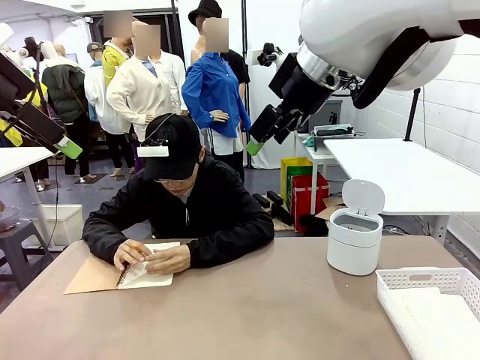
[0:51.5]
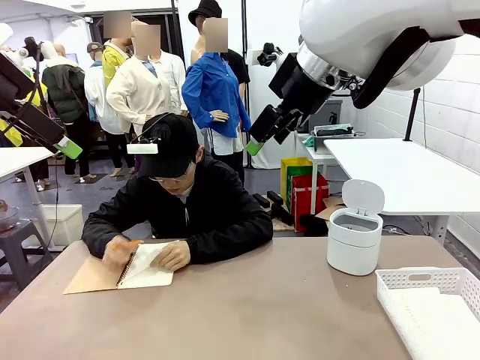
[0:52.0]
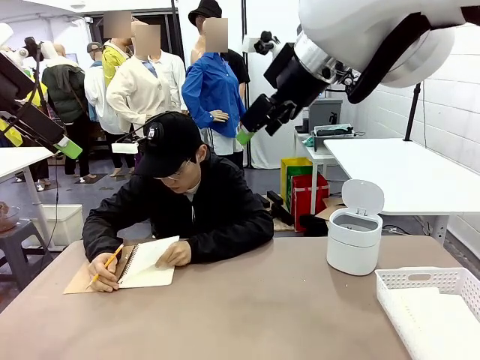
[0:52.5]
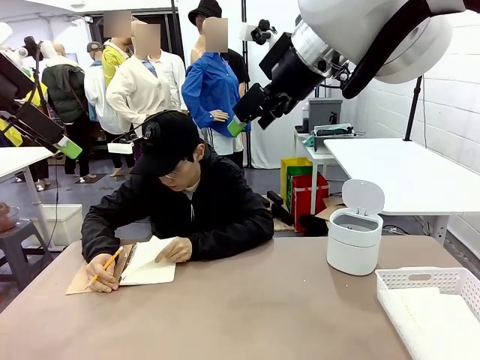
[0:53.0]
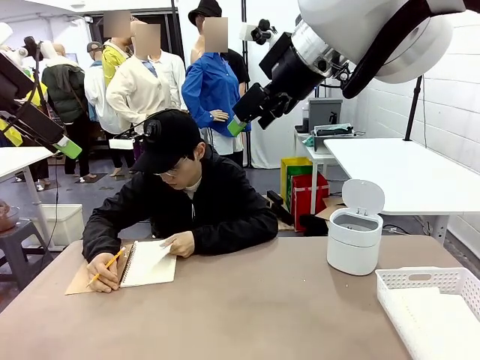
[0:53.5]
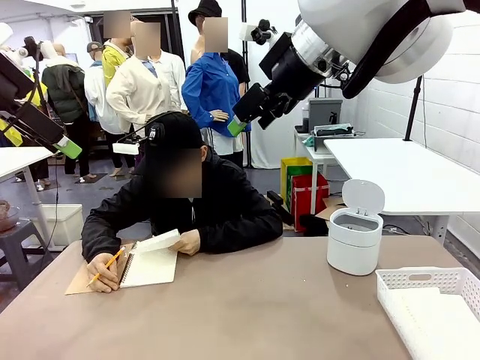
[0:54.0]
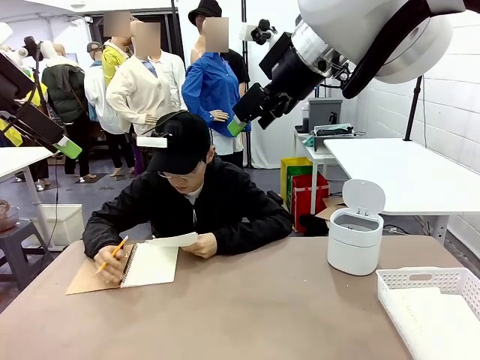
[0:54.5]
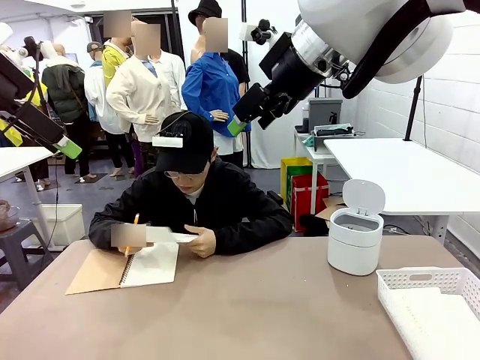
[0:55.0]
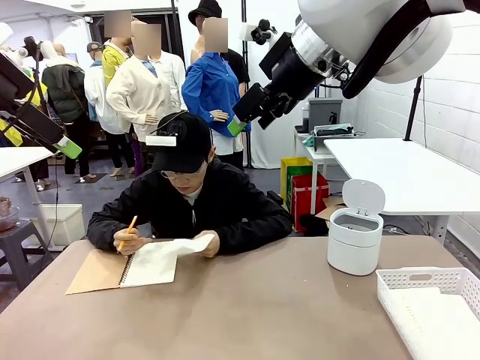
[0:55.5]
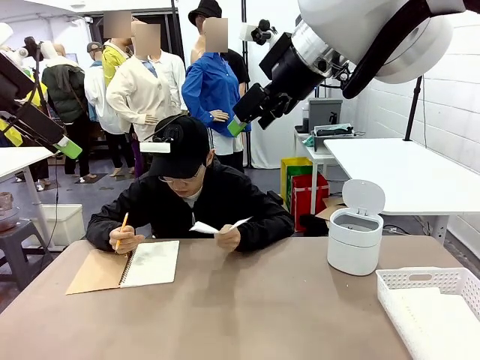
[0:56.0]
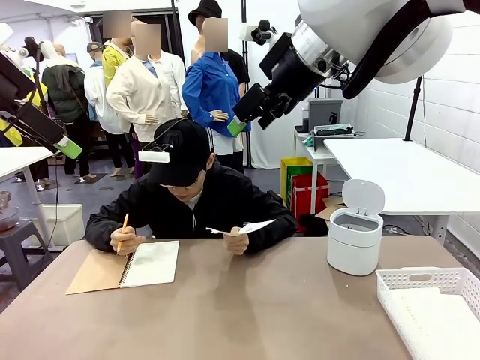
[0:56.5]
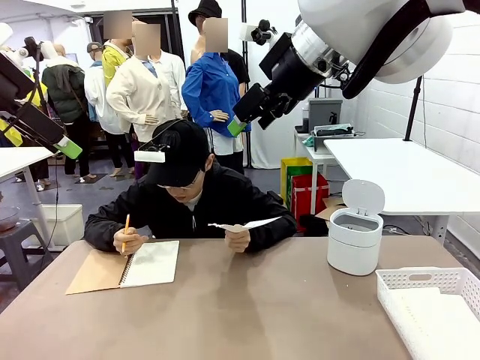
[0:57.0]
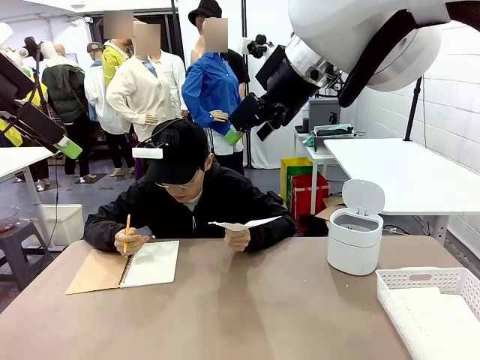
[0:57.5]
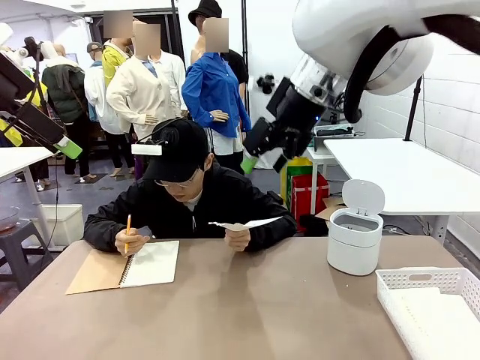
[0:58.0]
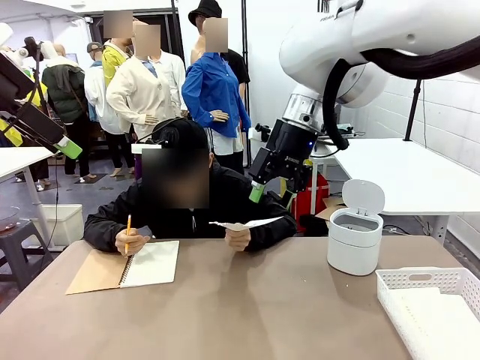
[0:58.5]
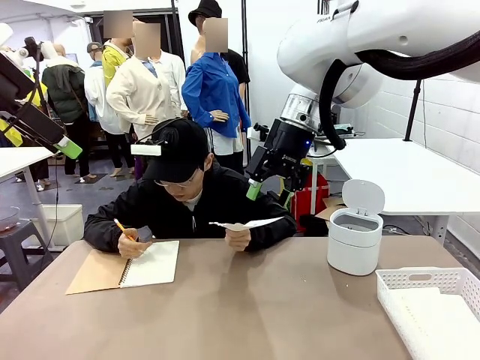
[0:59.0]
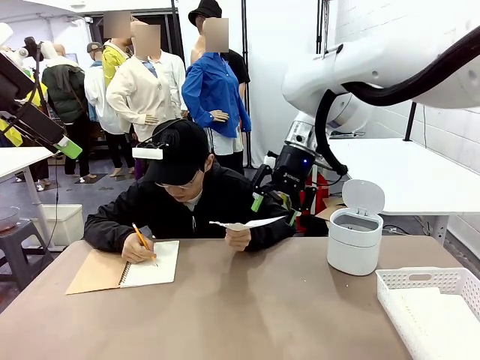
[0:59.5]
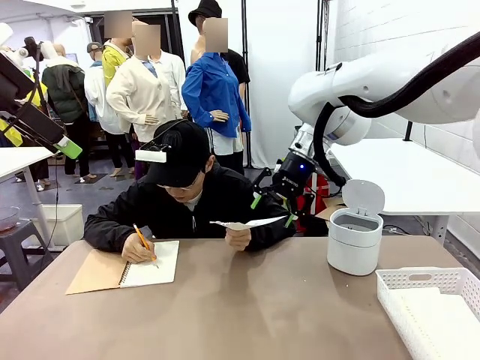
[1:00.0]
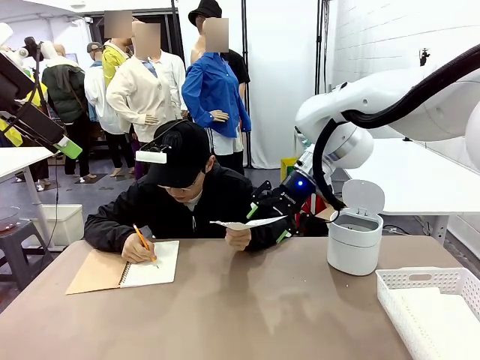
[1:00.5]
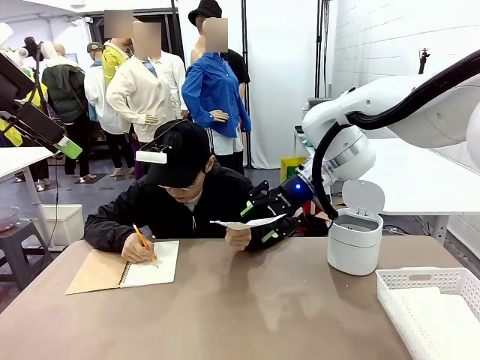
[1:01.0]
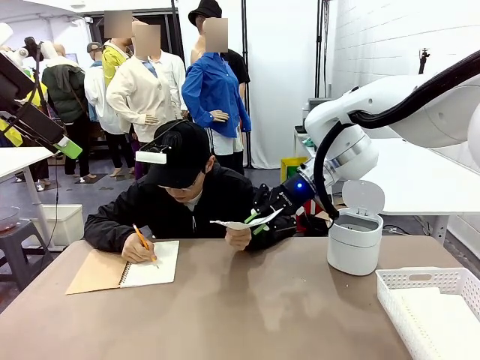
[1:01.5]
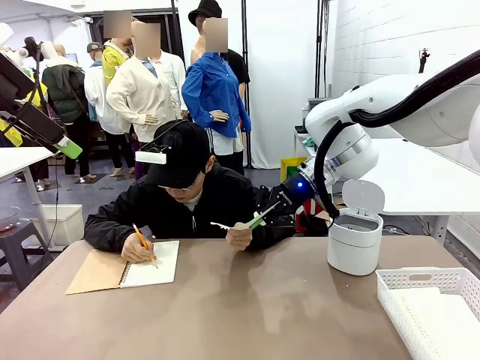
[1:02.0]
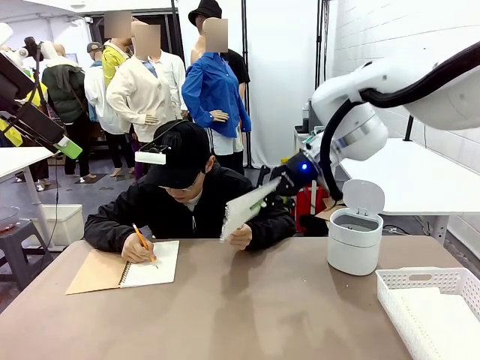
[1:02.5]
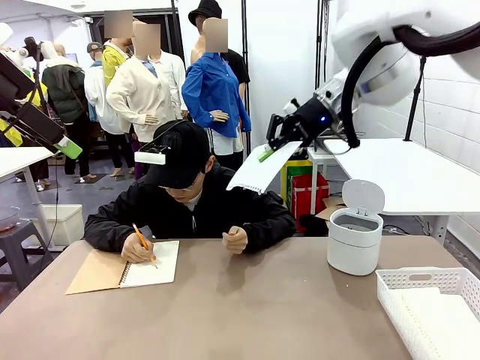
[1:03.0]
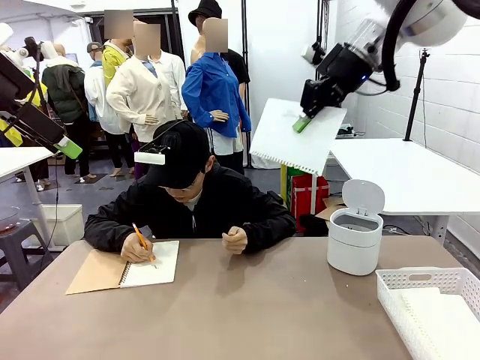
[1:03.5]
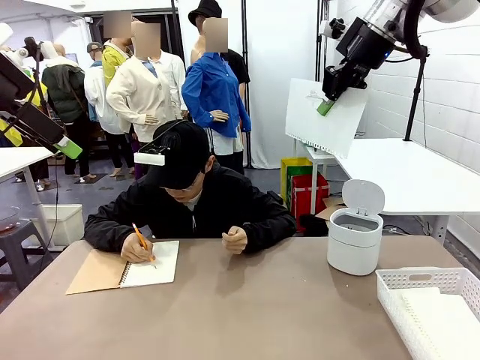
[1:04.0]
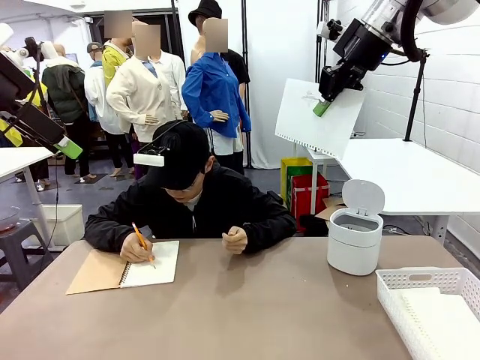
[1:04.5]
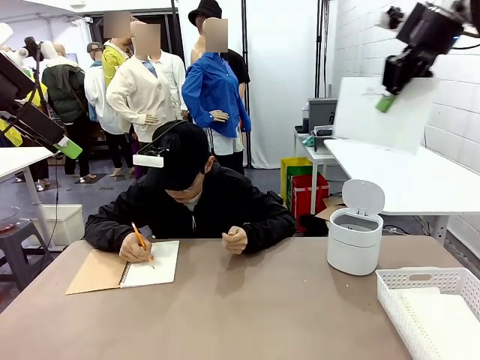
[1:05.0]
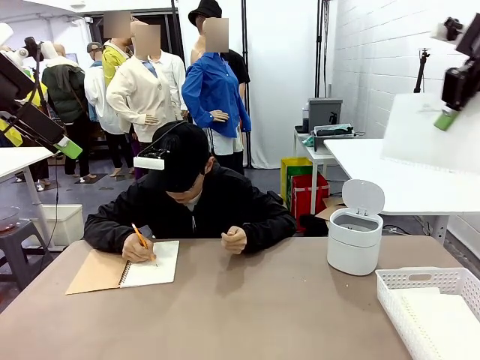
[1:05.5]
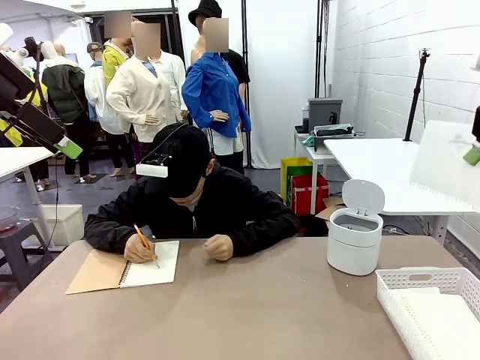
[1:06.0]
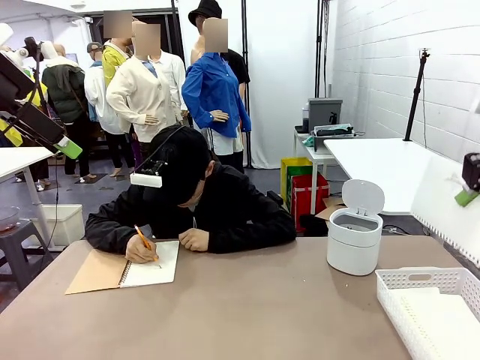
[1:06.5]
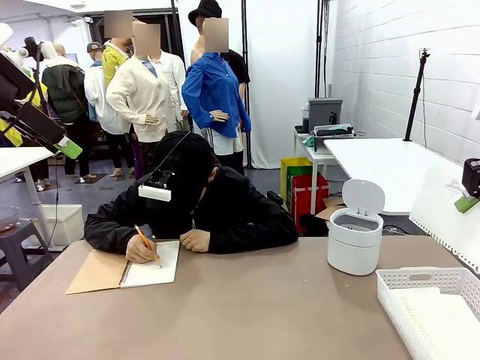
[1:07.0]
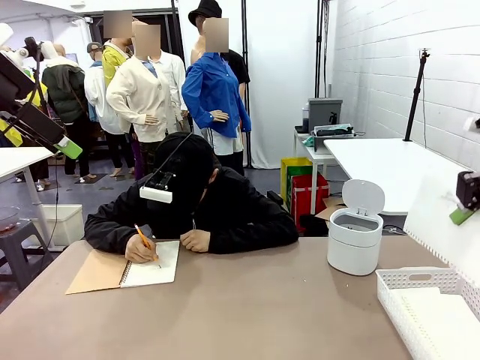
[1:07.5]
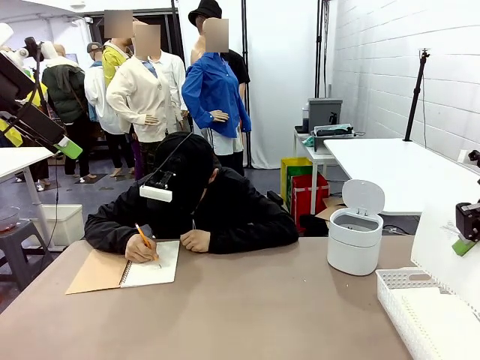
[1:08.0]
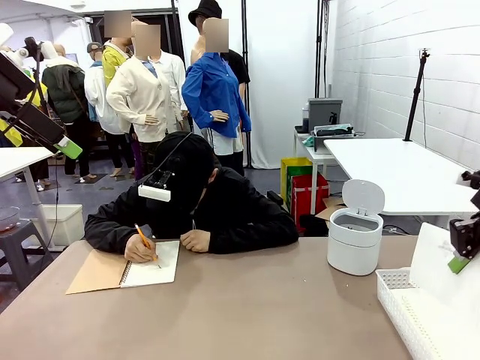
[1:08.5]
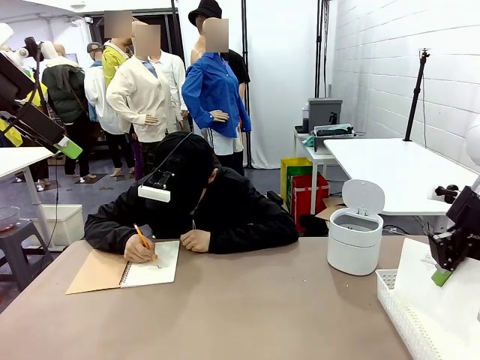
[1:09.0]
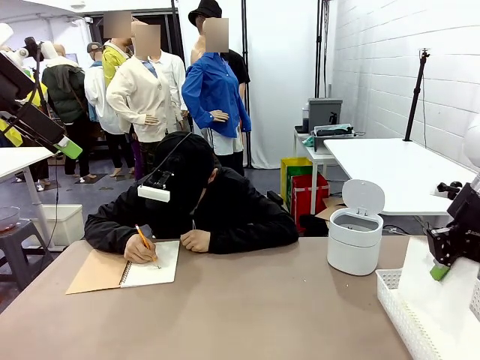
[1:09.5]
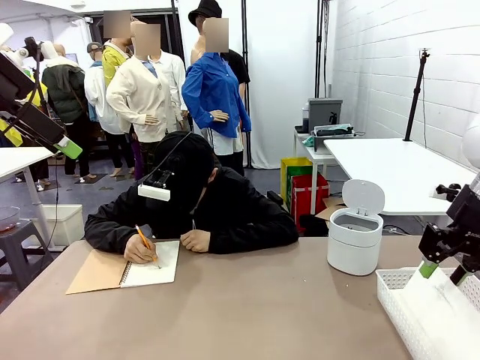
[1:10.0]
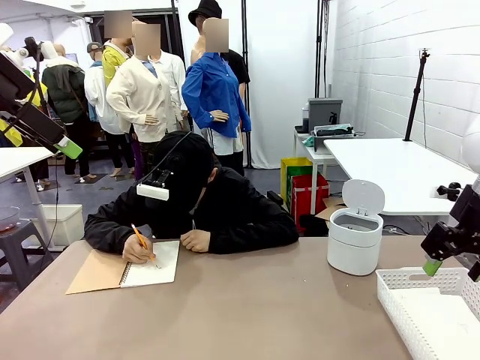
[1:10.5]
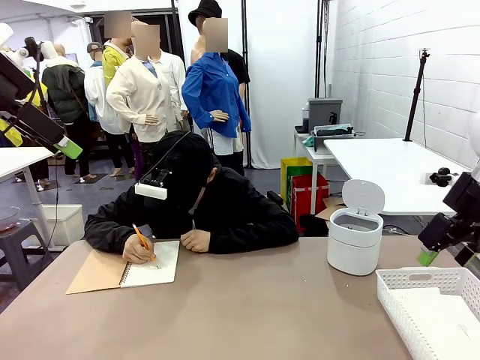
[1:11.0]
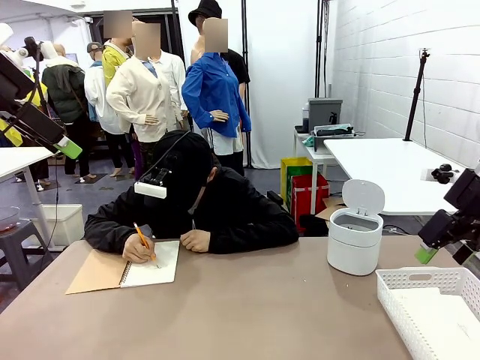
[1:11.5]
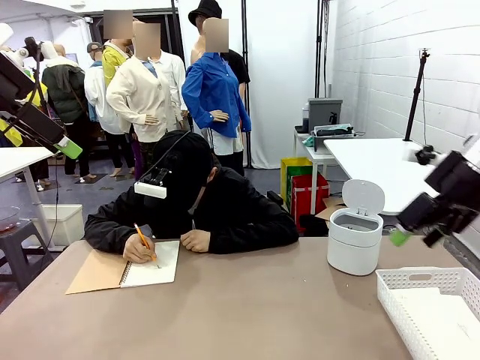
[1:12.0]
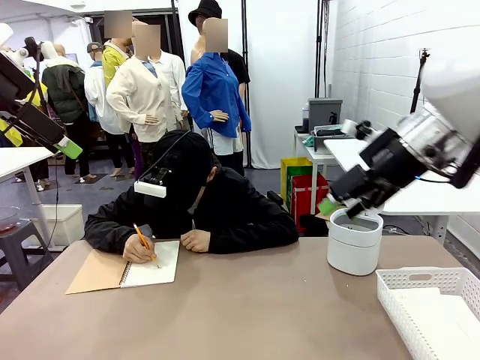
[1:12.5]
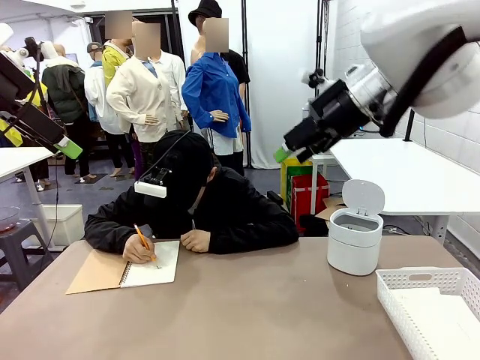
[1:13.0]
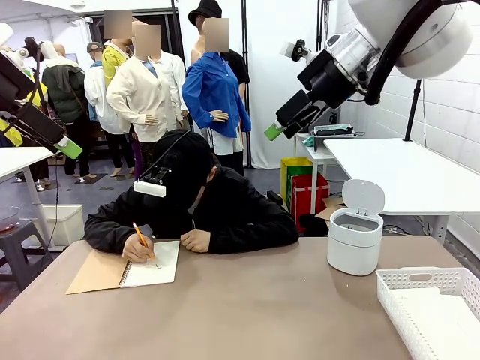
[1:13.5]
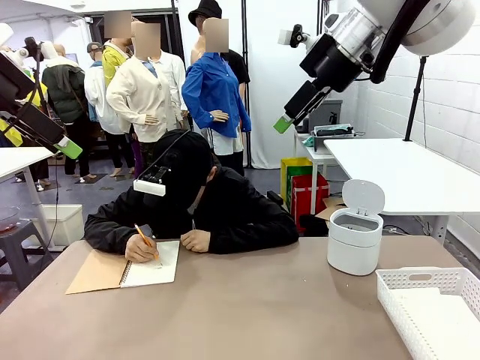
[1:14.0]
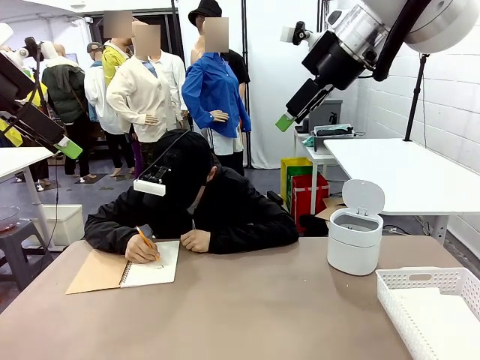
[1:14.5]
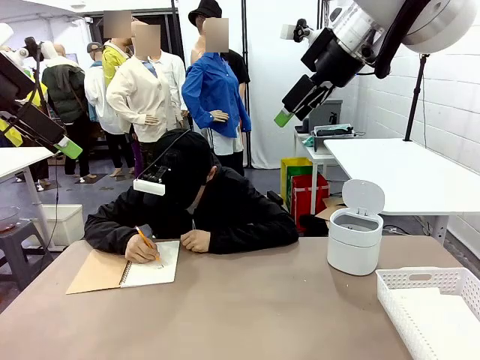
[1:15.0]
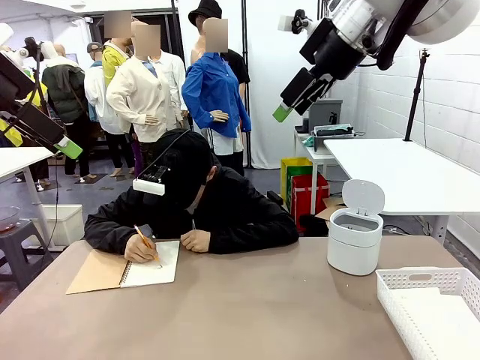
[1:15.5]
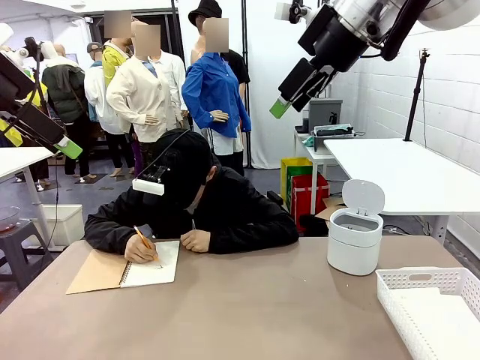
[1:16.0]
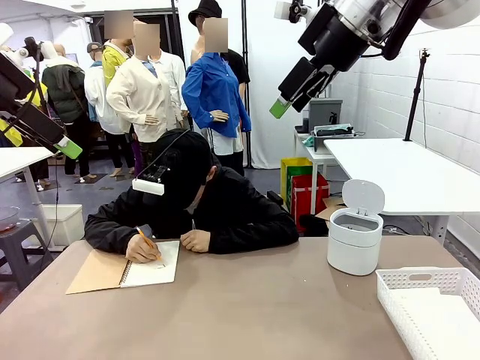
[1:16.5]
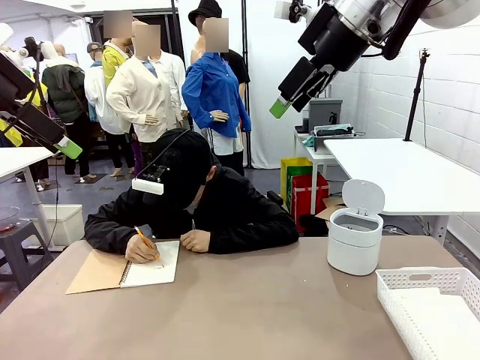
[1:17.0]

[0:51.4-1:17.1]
Task: Sort the paper based on its condition.
Robot: If a person hands you a paper, place it in the Organizing basket , and if it's crumpled, put it in the Trash can.
Person: Hand the torn page to the robot or crumple it and throw it to the center of the table.
